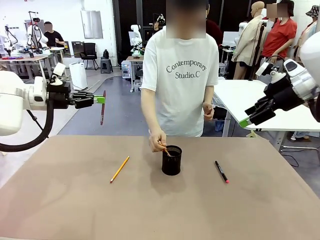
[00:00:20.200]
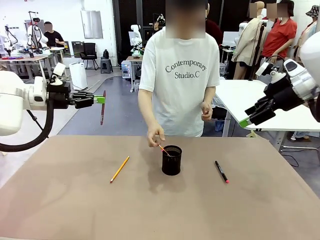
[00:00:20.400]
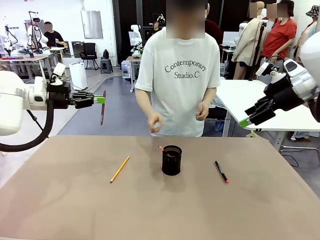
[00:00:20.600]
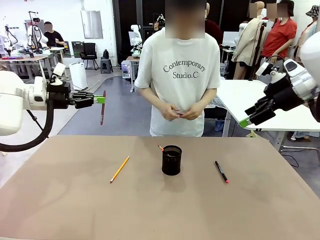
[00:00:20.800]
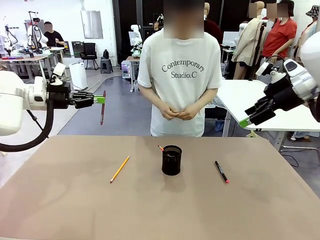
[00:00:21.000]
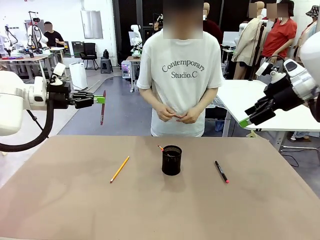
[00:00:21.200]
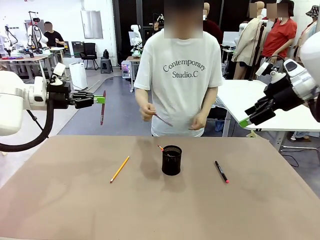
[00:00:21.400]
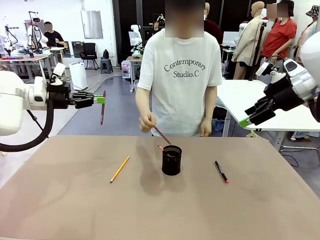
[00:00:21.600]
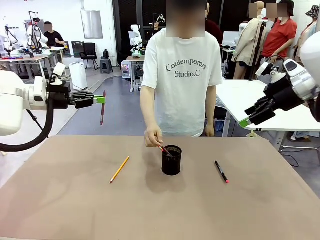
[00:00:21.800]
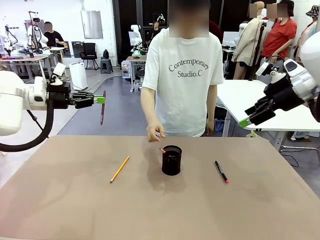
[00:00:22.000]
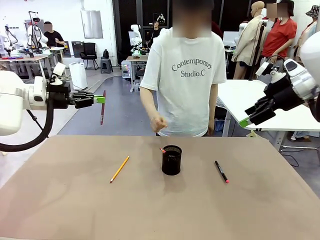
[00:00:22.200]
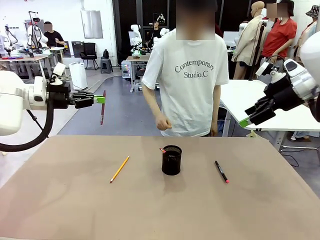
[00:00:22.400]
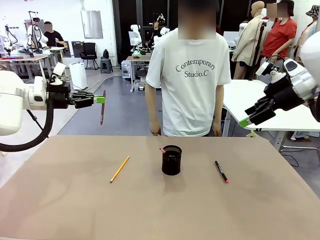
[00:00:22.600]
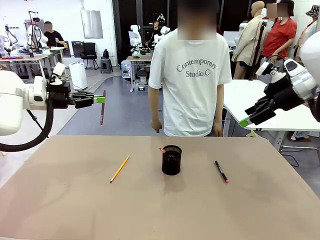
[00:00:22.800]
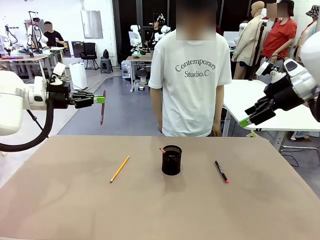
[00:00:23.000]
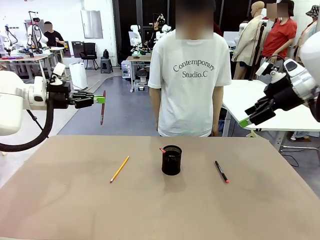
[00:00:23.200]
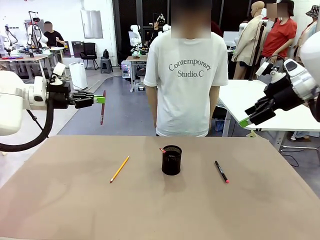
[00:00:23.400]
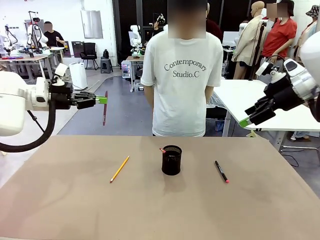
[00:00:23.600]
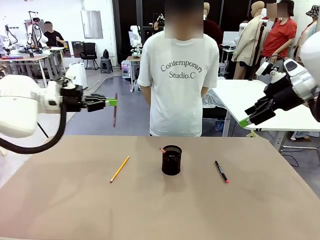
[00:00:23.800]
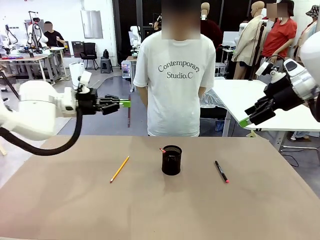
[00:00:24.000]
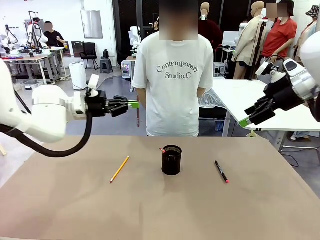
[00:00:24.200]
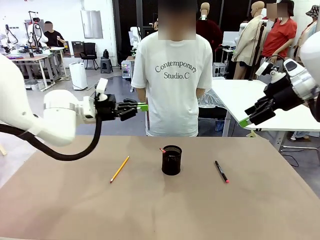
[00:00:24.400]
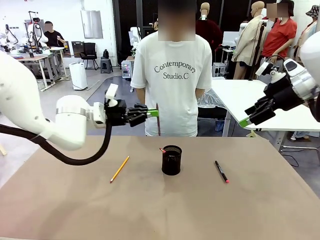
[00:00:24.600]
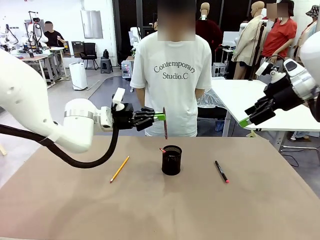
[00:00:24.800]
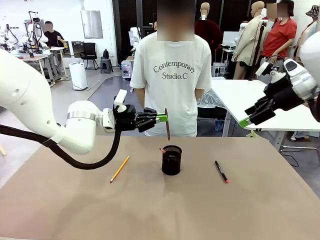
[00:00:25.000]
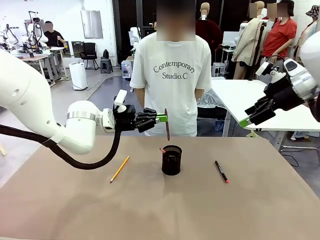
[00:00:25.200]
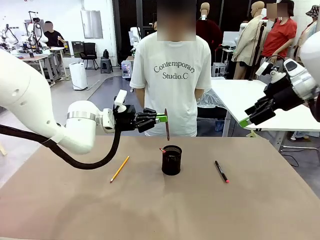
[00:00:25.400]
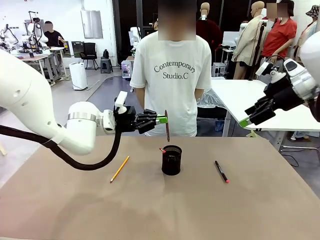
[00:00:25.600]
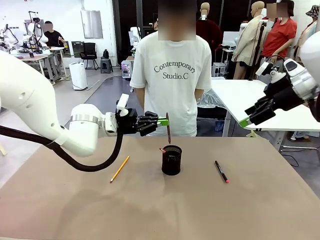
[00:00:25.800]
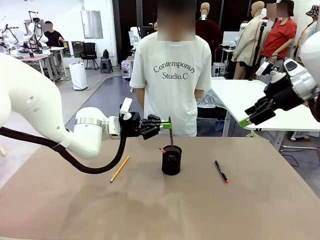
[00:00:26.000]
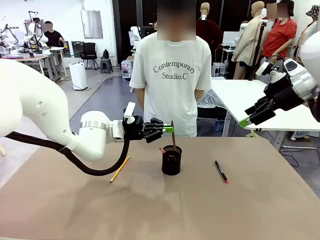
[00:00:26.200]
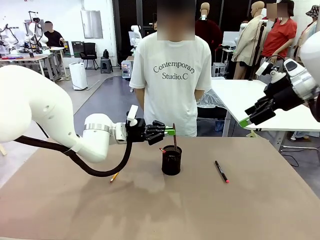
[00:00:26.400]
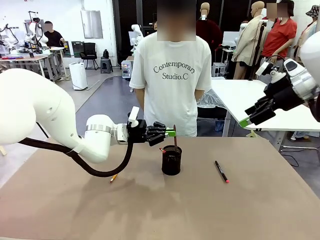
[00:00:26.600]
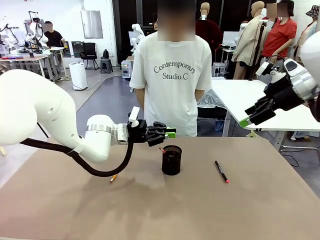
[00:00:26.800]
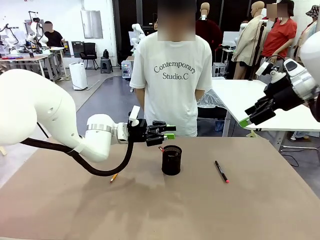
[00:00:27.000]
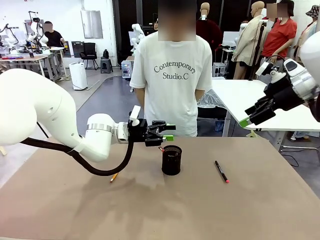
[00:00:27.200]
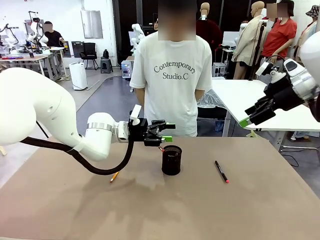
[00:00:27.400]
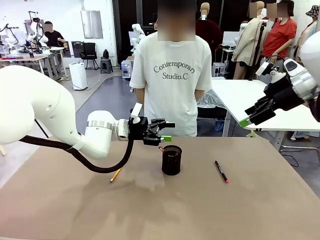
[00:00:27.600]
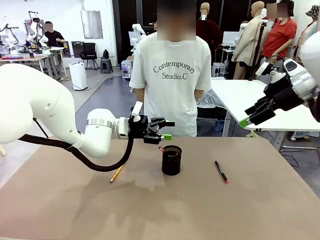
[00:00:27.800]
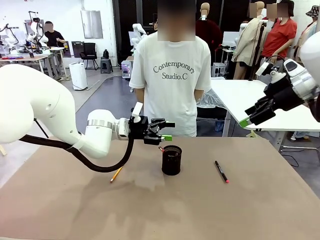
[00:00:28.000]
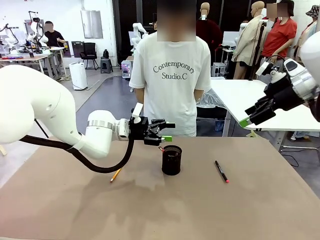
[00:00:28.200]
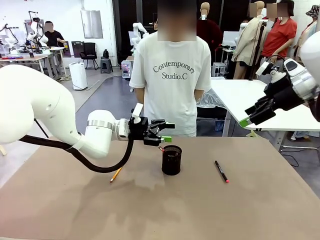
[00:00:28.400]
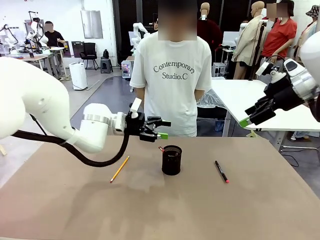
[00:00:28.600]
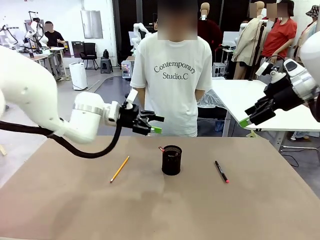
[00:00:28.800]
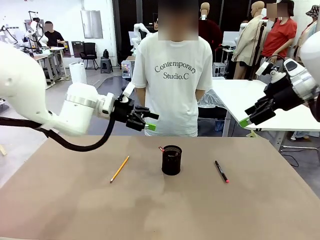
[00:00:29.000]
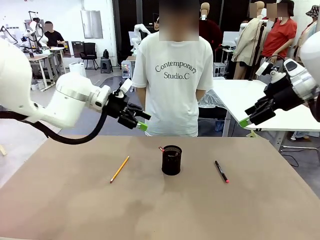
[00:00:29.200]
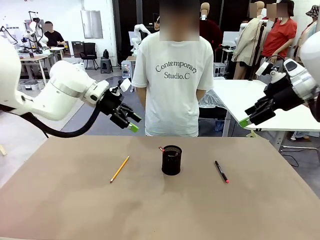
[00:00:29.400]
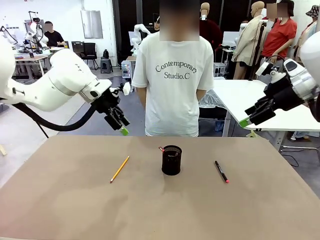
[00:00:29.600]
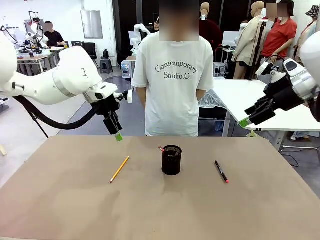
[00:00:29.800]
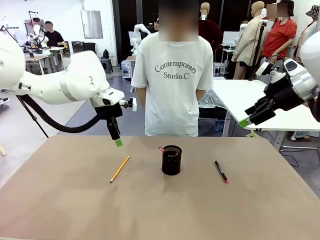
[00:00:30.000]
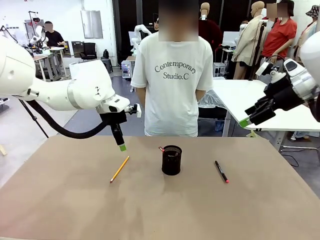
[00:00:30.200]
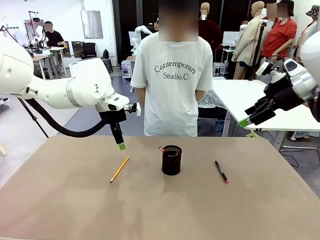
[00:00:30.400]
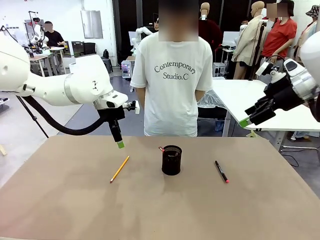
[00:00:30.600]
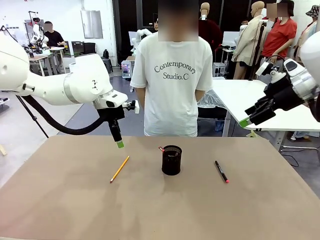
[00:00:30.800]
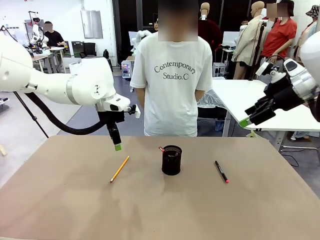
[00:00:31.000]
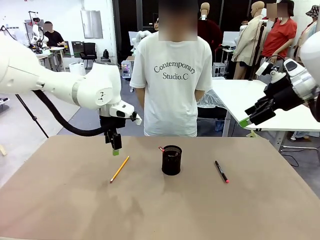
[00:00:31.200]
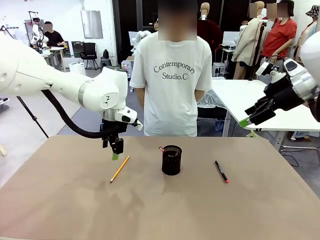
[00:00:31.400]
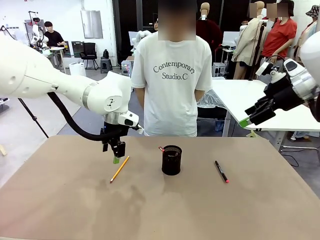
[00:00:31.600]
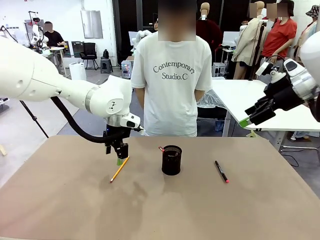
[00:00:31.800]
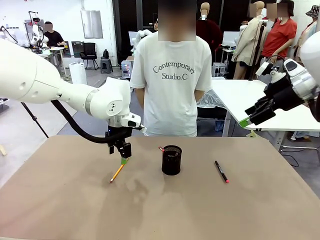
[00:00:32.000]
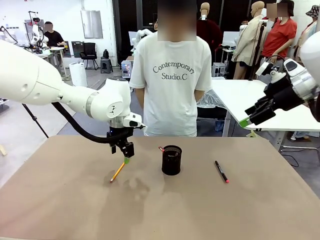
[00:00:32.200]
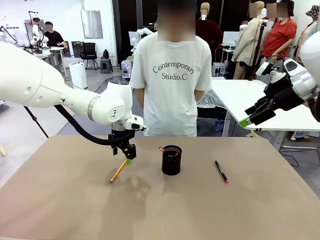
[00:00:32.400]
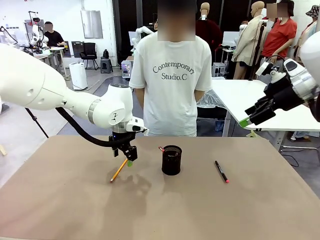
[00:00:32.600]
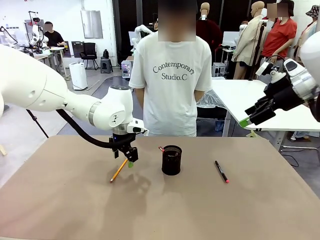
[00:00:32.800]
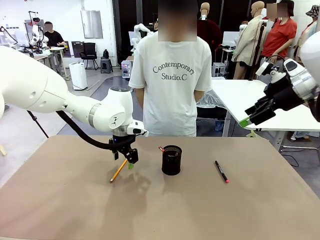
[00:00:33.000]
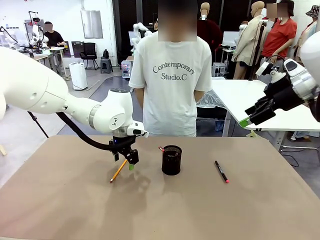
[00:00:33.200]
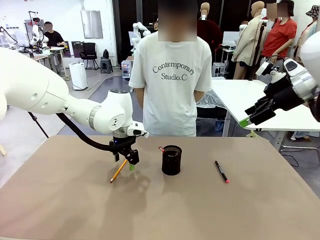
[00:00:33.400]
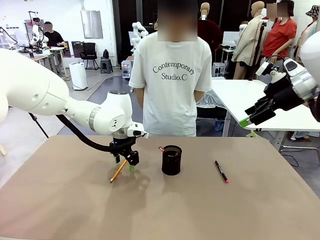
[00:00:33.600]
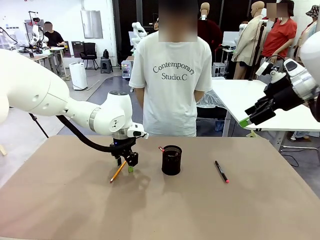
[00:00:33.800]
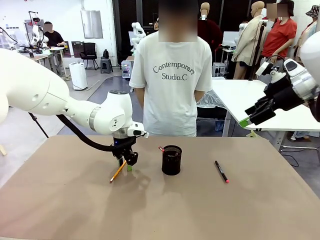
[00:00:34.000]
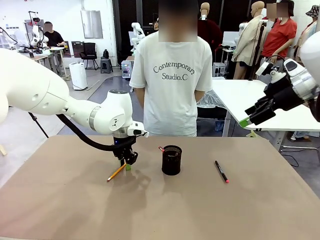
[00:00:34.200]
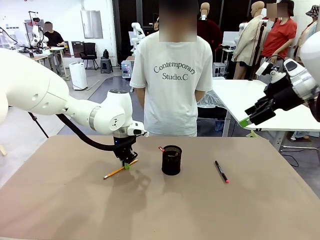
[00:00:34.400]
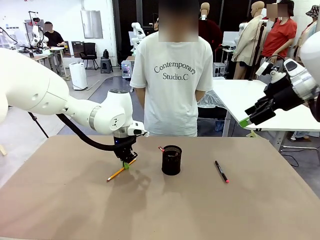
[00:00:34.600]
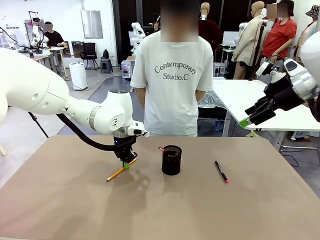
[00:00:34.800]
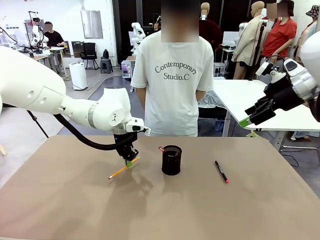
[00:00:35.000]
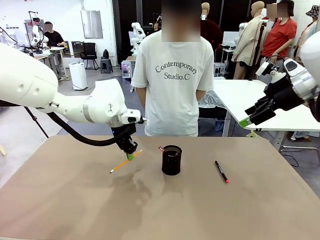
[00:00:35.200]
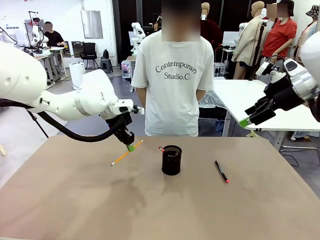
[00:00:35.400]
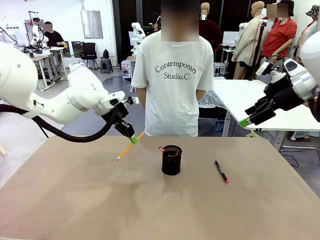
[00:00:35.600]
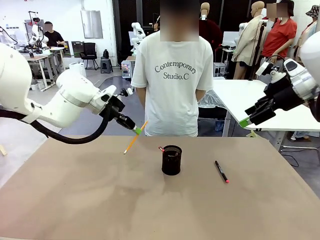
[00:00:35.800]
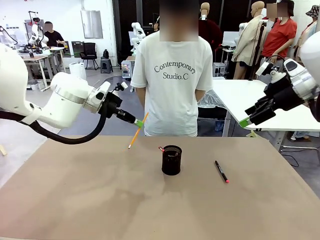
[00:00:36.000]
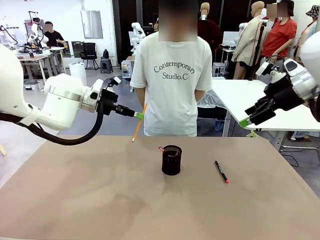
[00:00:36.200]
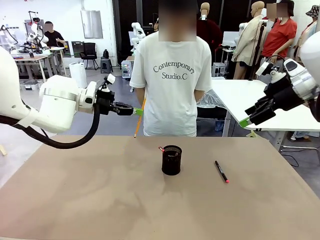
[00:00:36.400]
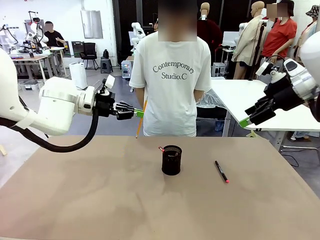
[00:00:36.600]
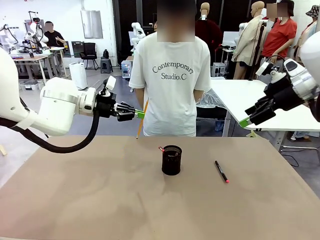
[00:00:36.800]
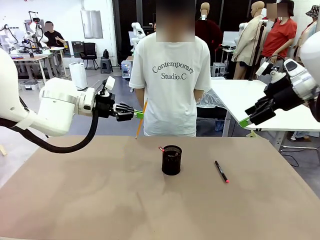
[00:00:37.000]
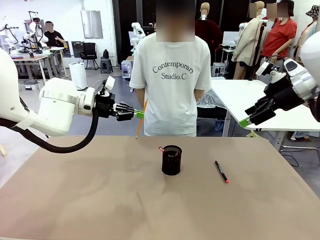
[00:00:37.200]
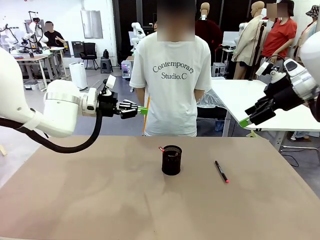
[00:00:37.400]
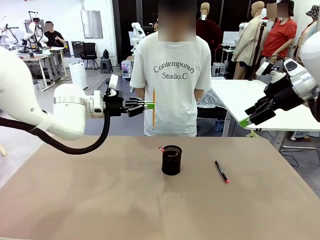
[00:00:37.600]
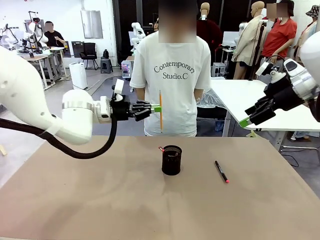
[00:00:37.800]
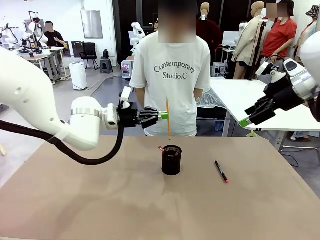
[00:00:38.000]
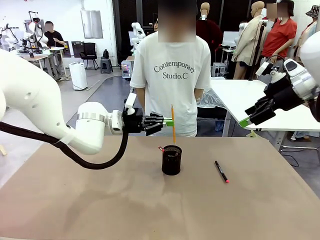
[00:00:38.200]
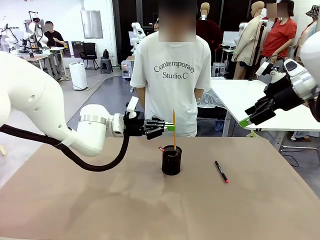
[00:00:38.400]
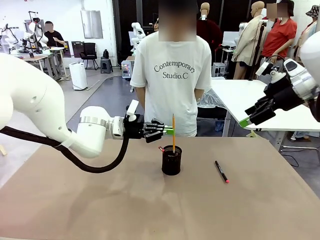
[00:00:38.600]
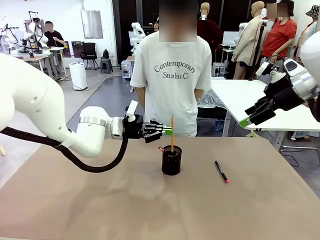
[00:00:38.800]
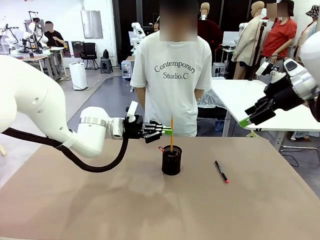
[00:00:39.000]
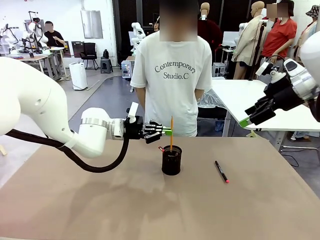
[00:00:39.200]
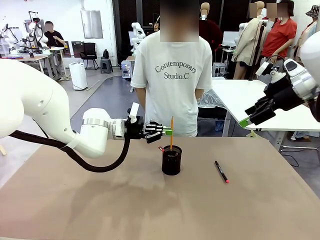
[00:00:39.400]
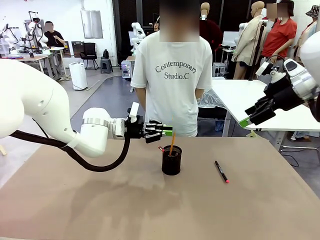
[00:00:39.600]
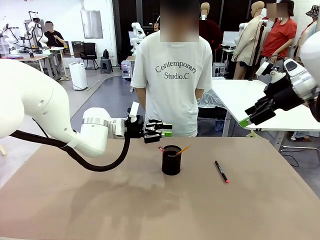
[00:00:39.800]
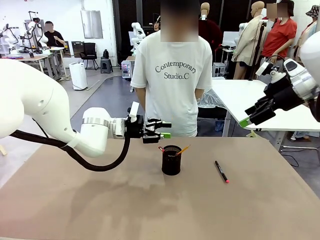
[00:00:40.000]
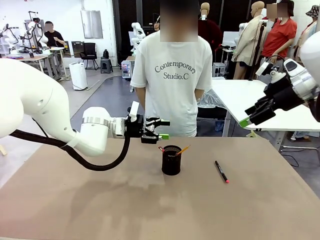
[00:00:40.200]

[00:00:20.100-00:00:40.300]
Task: Place the pens into the pen holder.
Robot: Pick up a writing instrument from the table and place it into the Pen holder.
